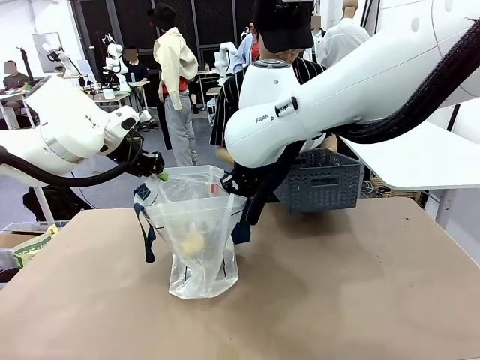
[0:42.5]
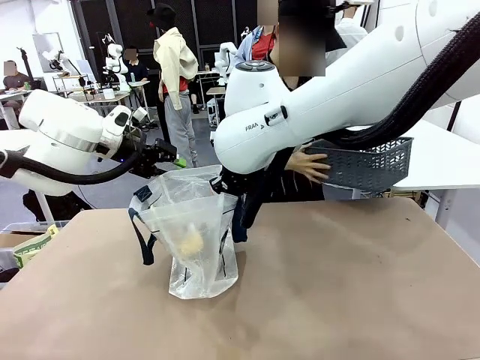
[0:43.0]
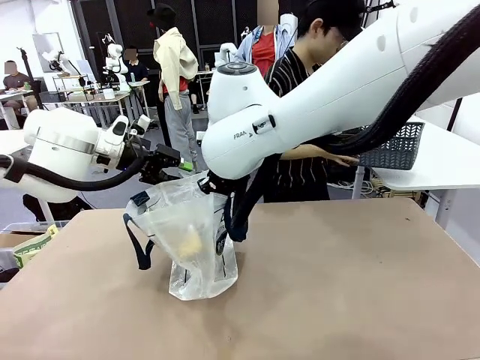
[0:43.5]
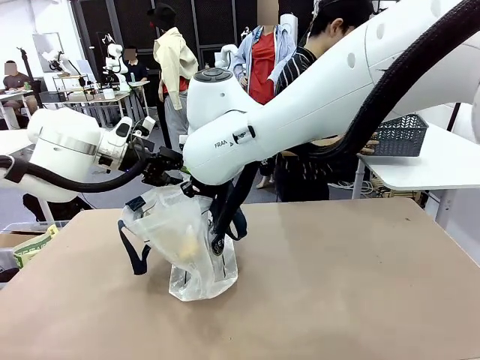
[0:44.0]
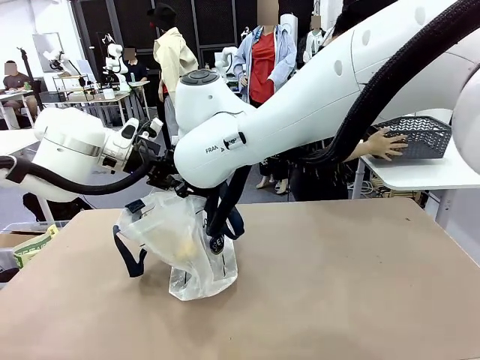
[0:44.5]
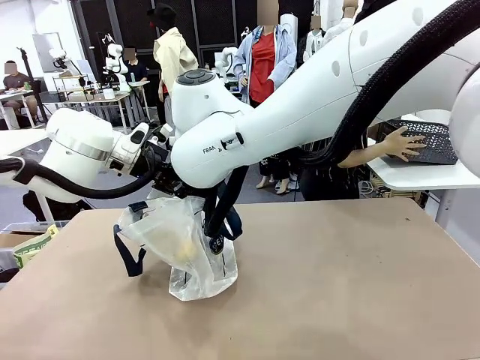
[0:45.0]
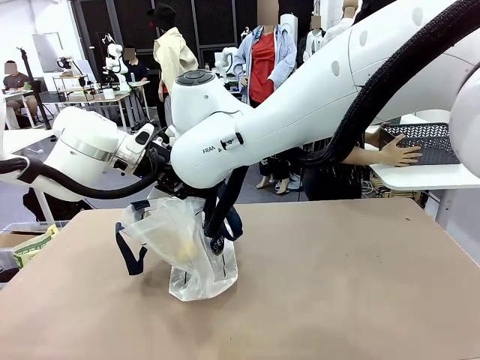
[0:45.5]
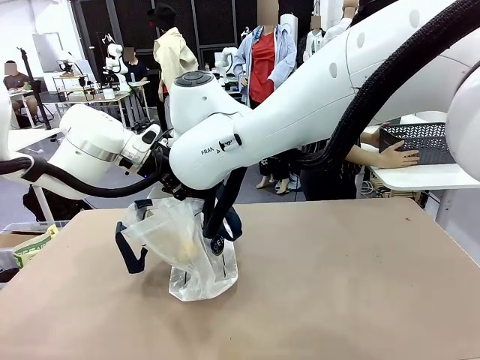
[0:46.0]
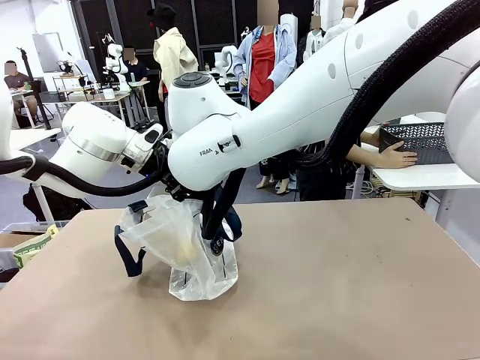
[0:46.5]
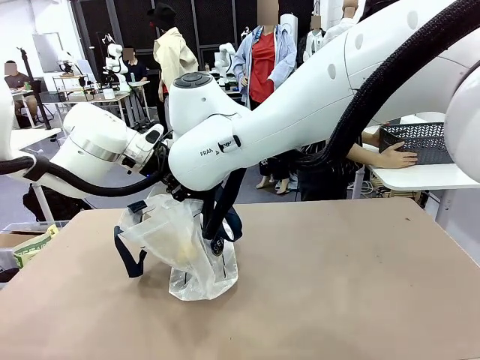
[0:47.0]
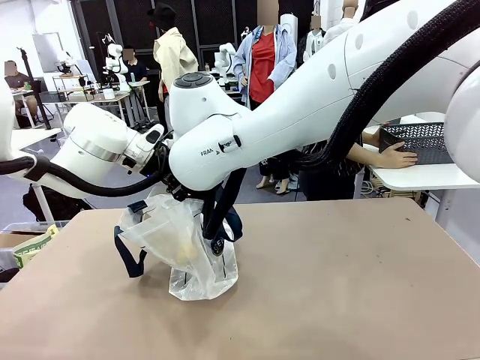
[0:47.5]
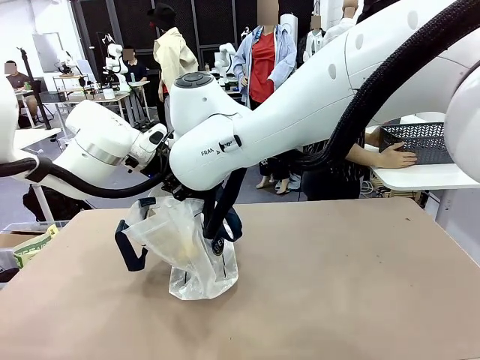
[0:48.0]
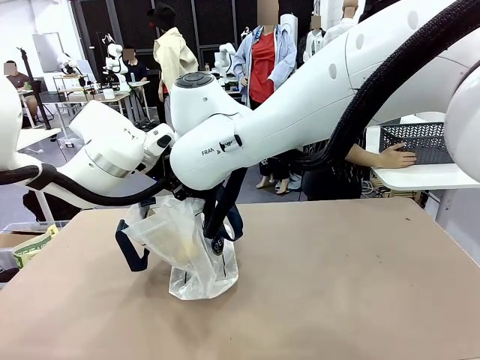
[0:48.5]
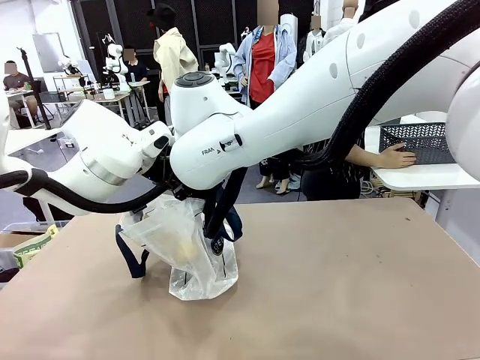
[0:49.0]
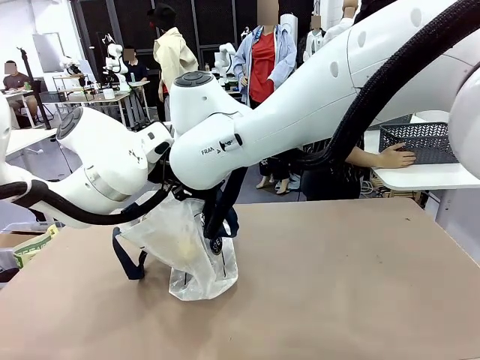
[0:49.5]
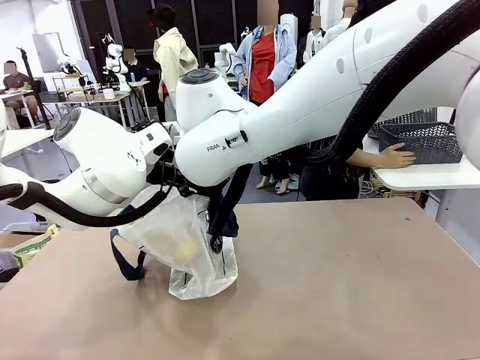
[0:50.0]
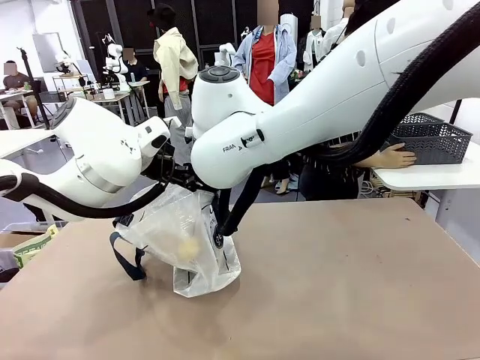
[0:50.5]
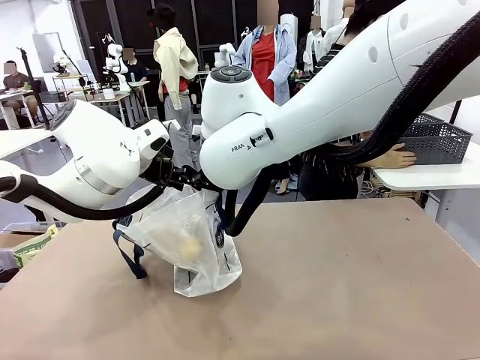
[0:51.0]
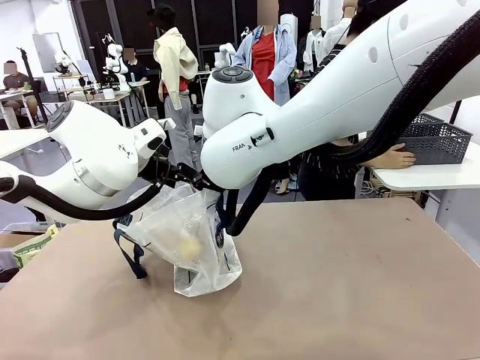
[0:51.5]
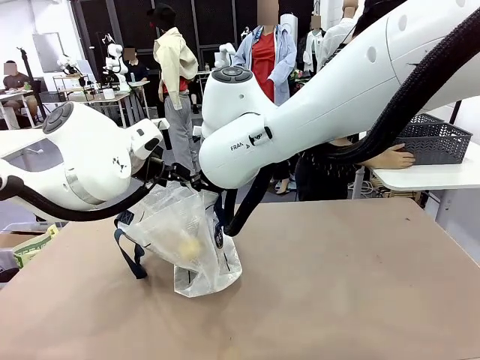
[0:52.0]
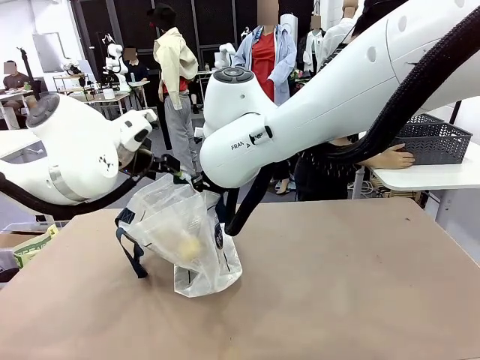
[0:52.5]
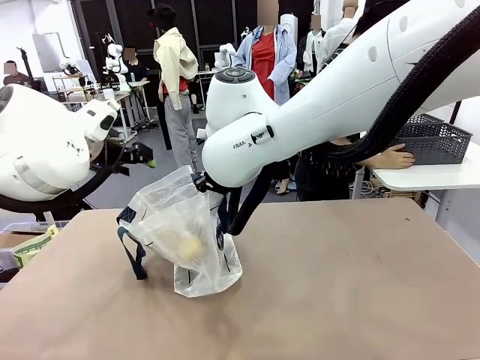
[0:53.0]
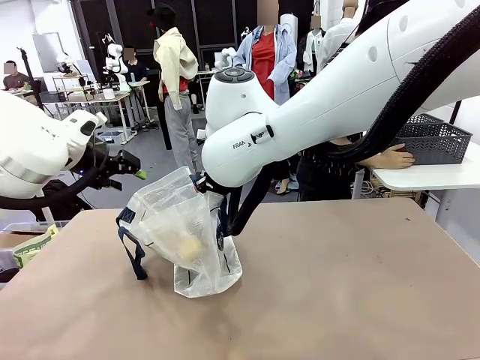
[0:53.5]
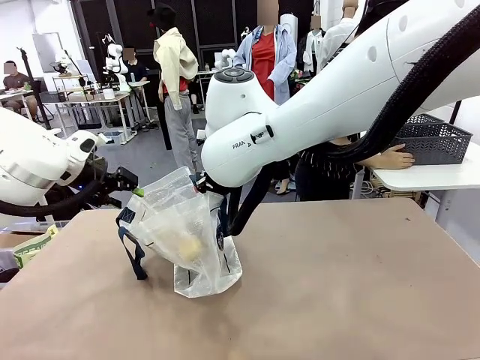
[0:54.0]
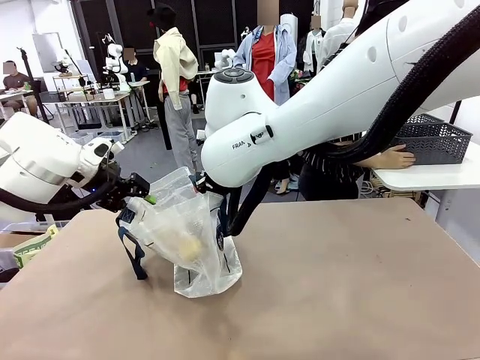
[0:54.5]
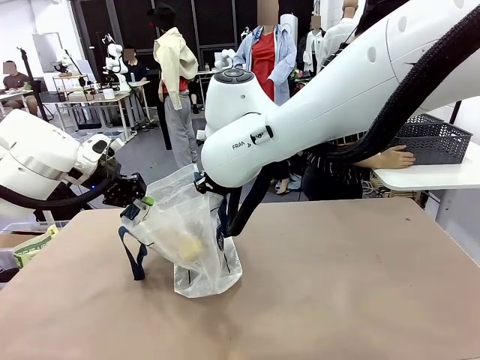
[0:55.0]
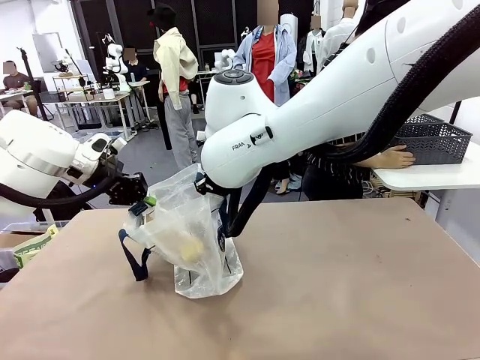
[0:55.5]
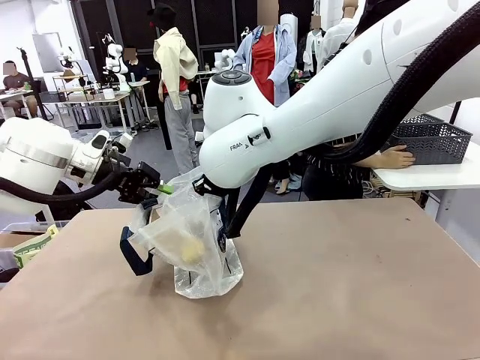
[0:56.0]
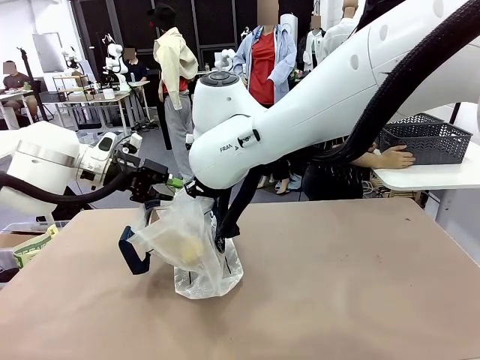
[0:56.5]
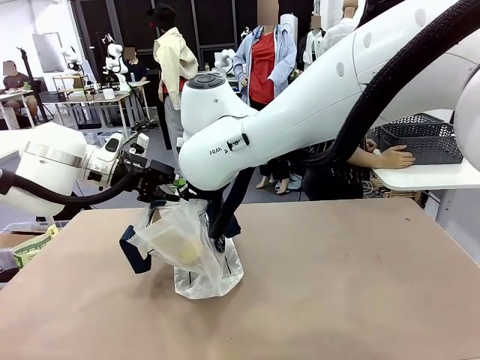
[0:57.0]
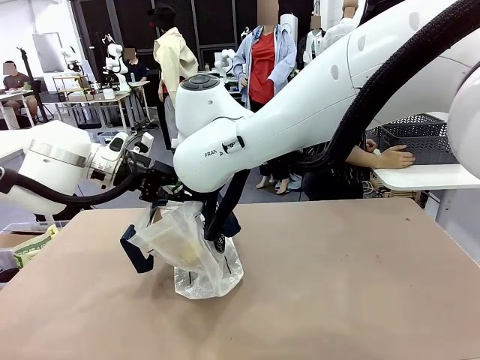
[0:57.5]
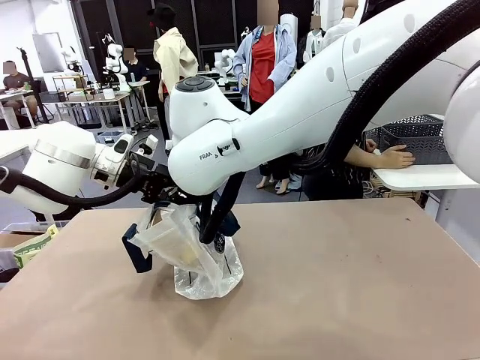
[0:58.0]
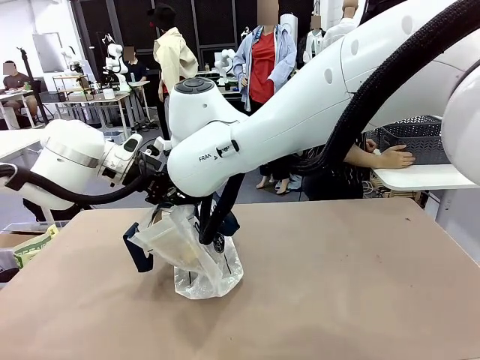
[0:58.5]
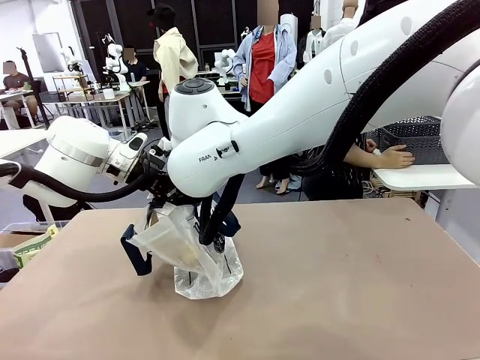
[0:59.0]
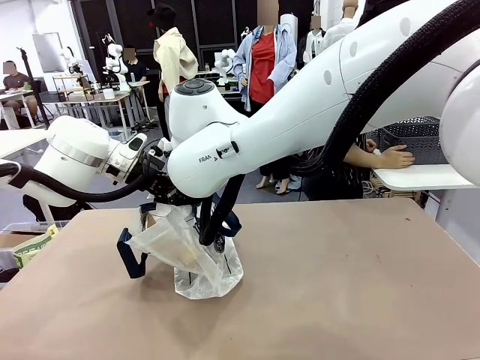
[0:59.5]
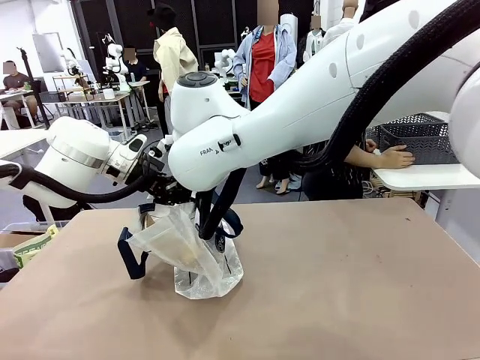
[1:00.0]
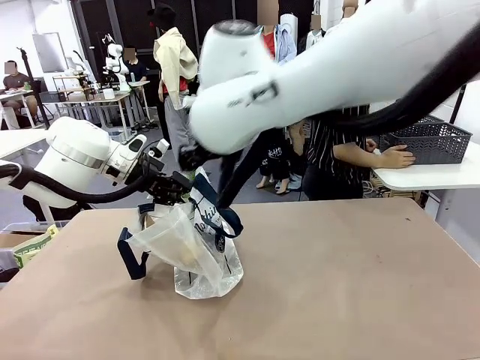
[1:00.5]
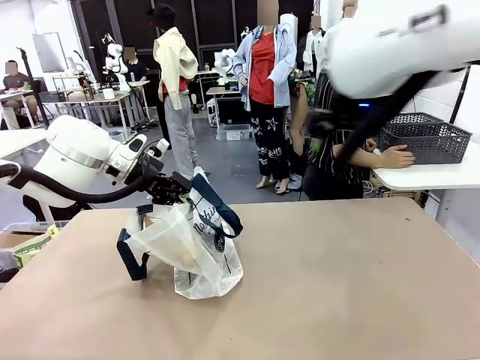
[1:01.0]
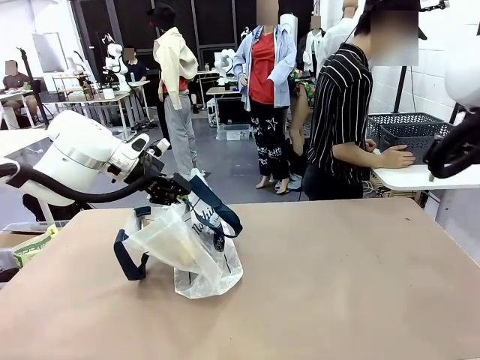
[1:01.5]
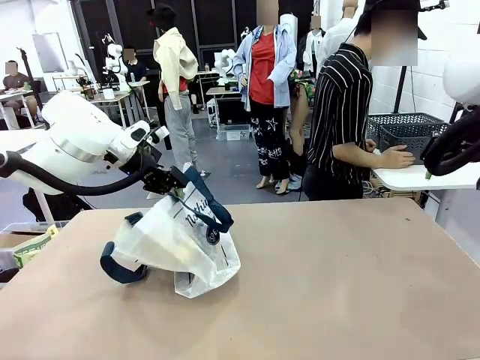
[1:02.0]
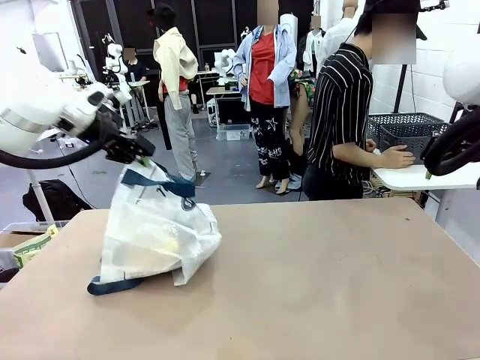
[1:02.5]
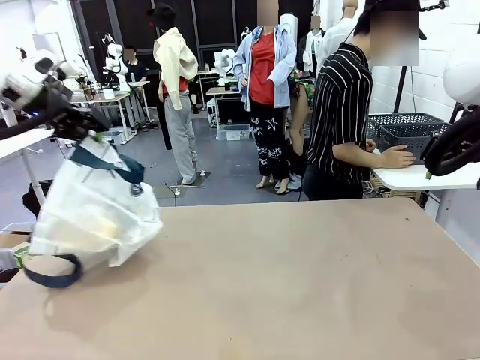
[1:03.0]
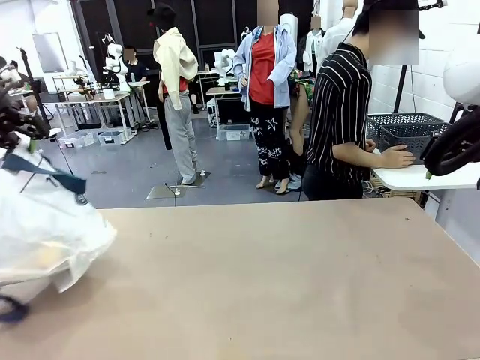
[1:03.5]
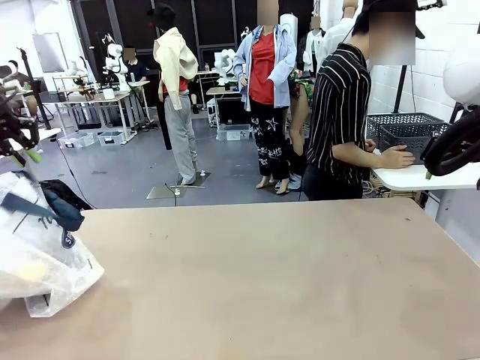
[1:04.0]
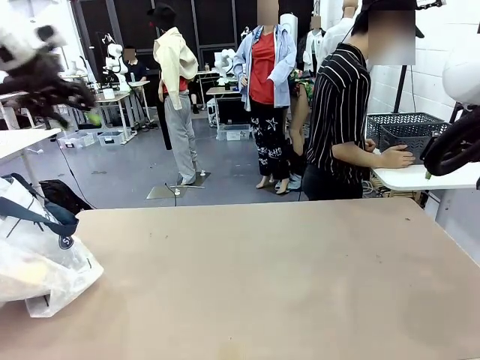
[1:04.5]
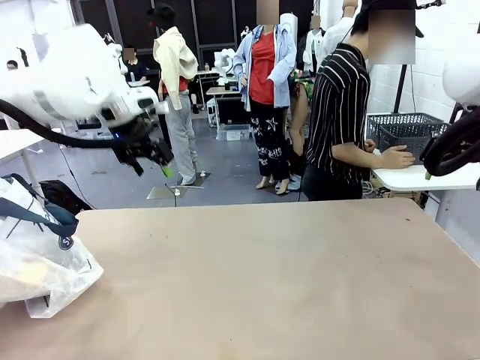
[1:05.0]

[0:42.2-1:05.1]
Task: Transfer purchased items from the store into the shopping bag.
Robot: Move the Reusable shopping bag to the right side of the table.
Person: Move the basket on the left to the middle of the person's table.
